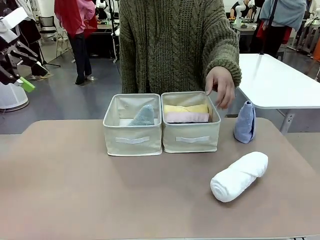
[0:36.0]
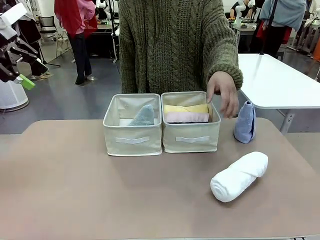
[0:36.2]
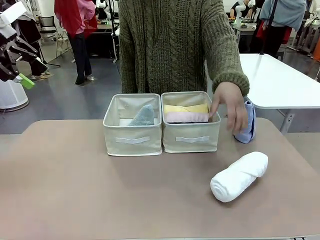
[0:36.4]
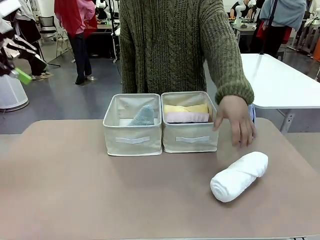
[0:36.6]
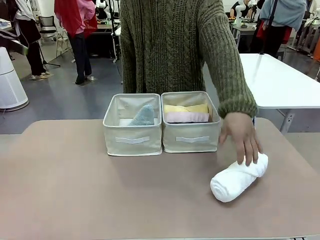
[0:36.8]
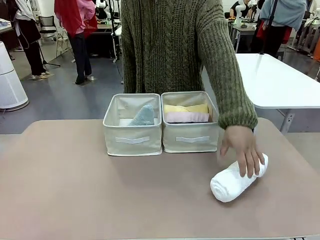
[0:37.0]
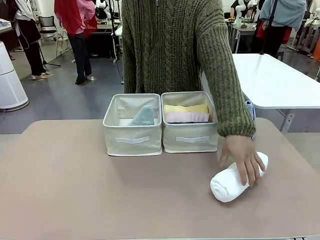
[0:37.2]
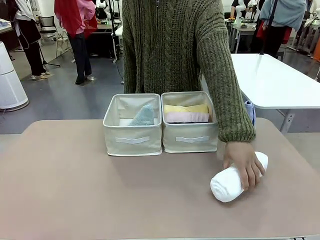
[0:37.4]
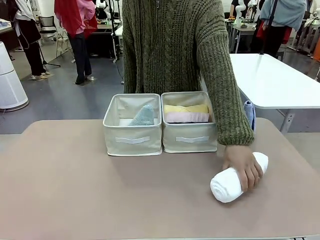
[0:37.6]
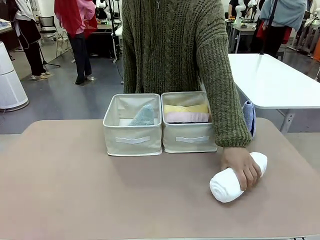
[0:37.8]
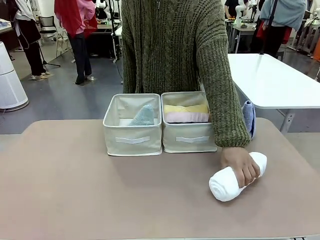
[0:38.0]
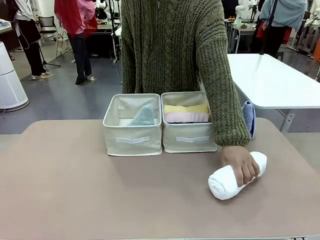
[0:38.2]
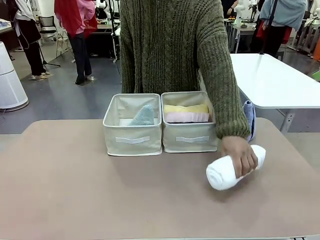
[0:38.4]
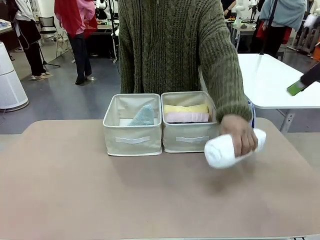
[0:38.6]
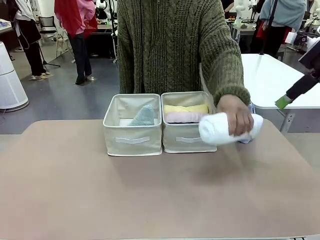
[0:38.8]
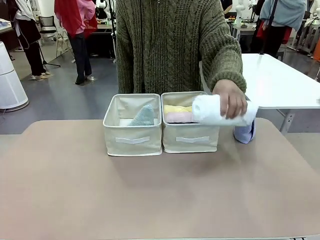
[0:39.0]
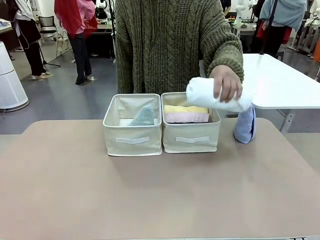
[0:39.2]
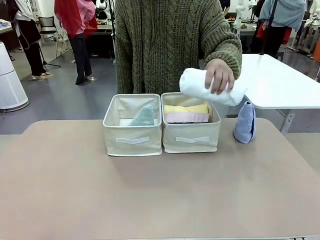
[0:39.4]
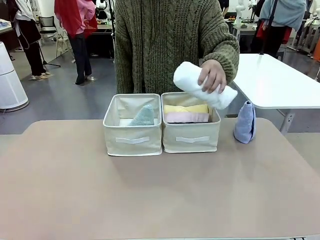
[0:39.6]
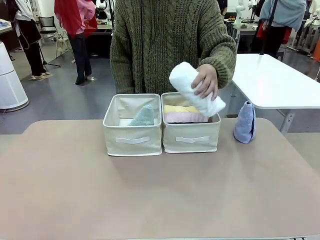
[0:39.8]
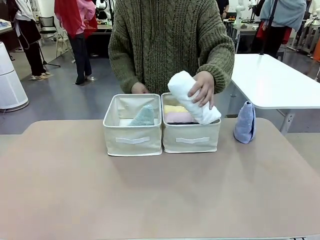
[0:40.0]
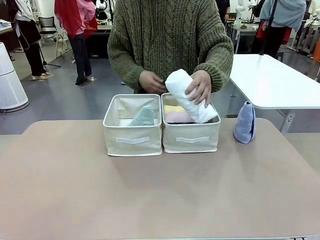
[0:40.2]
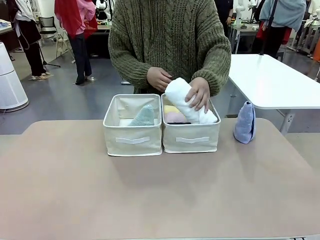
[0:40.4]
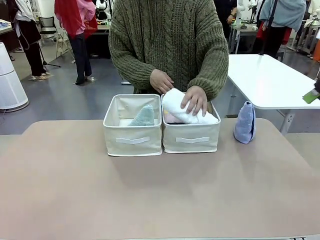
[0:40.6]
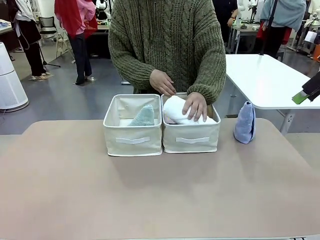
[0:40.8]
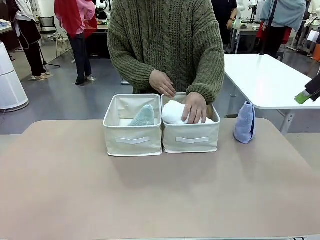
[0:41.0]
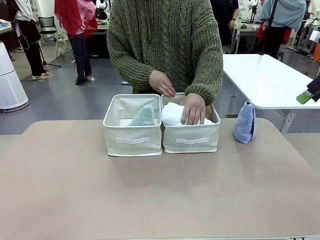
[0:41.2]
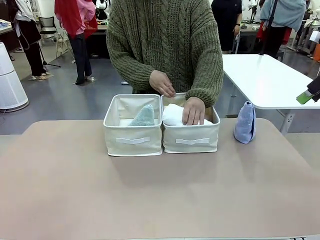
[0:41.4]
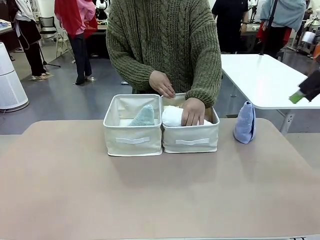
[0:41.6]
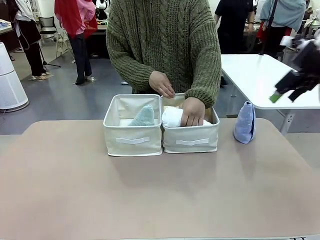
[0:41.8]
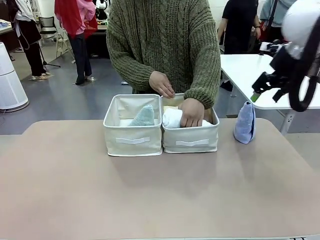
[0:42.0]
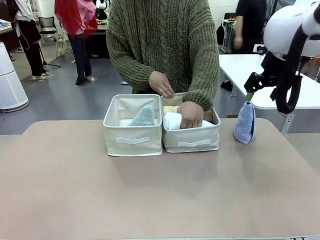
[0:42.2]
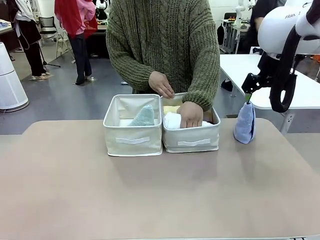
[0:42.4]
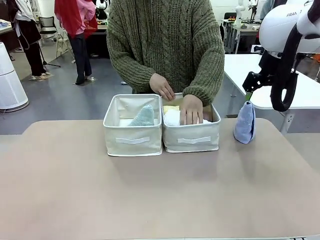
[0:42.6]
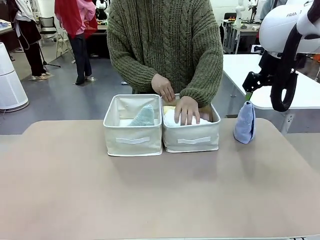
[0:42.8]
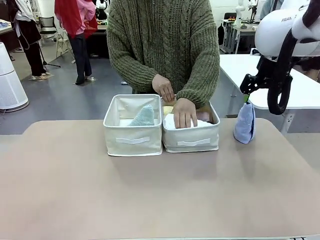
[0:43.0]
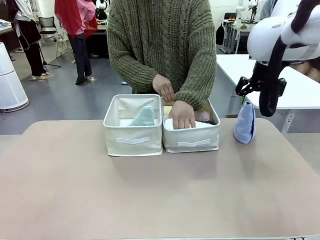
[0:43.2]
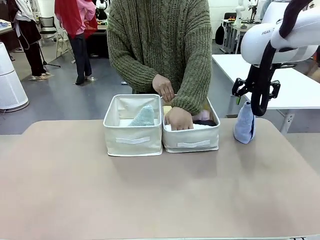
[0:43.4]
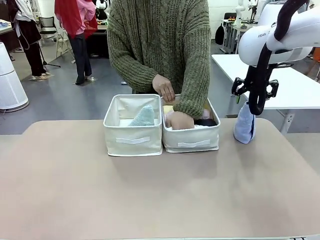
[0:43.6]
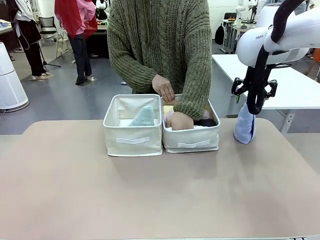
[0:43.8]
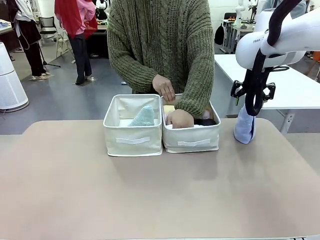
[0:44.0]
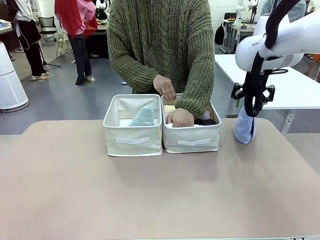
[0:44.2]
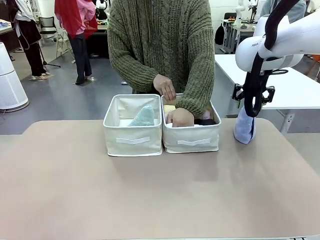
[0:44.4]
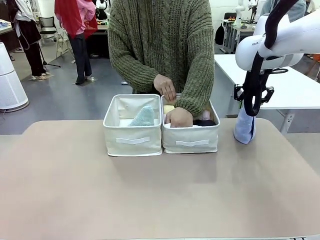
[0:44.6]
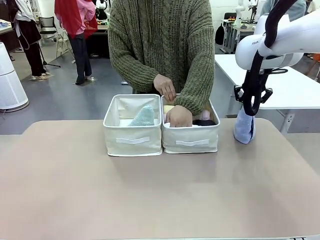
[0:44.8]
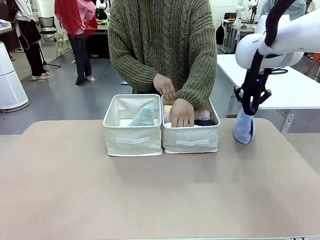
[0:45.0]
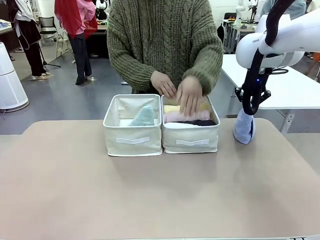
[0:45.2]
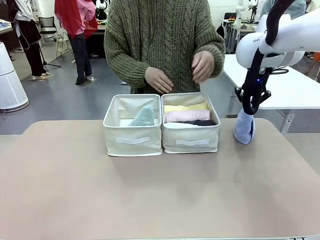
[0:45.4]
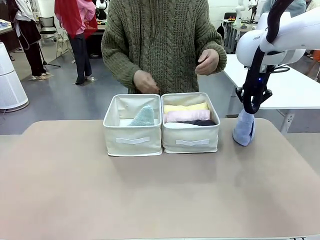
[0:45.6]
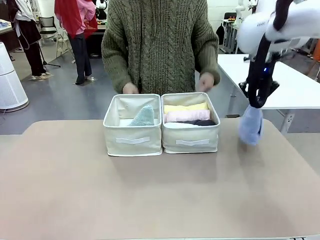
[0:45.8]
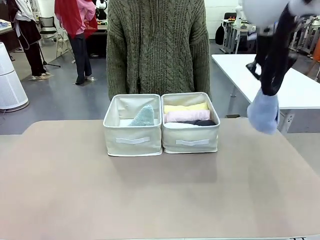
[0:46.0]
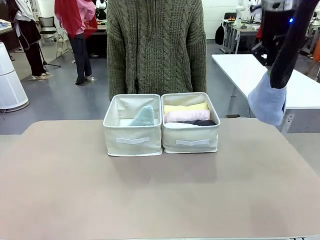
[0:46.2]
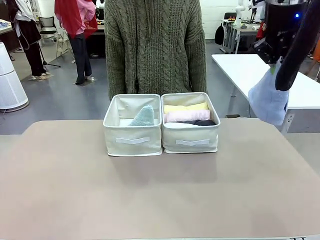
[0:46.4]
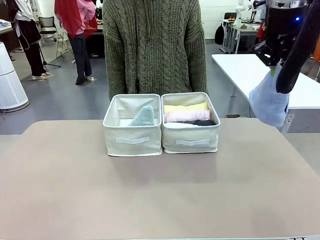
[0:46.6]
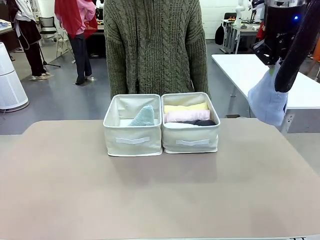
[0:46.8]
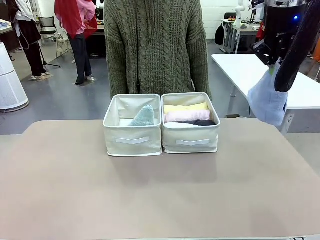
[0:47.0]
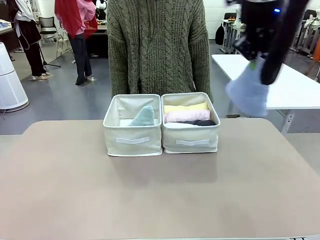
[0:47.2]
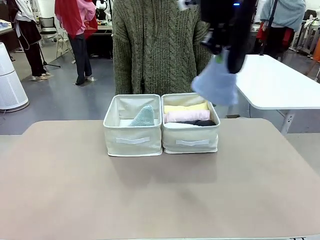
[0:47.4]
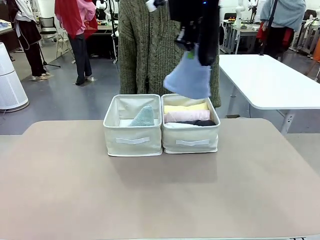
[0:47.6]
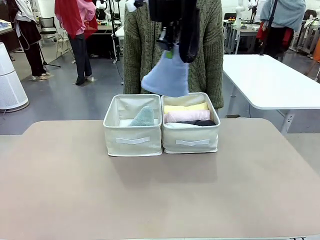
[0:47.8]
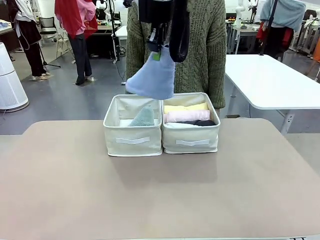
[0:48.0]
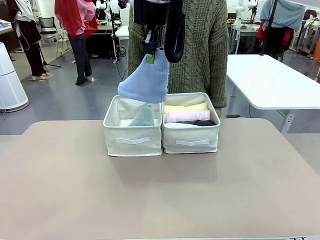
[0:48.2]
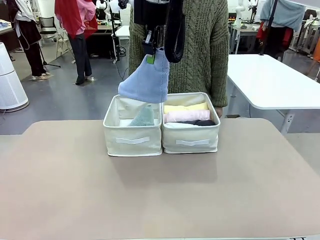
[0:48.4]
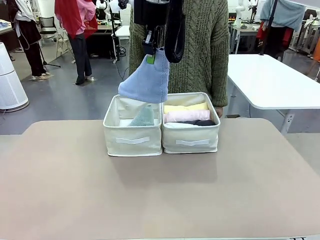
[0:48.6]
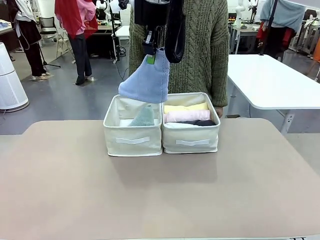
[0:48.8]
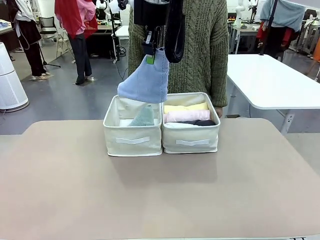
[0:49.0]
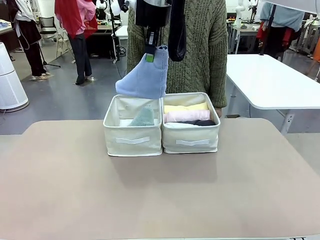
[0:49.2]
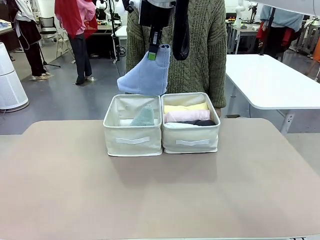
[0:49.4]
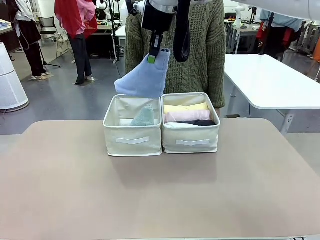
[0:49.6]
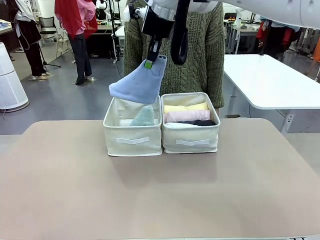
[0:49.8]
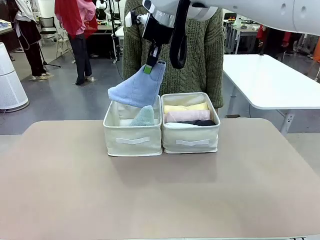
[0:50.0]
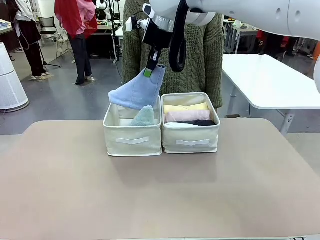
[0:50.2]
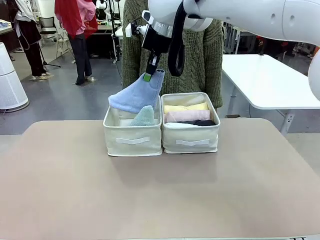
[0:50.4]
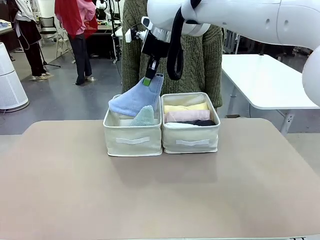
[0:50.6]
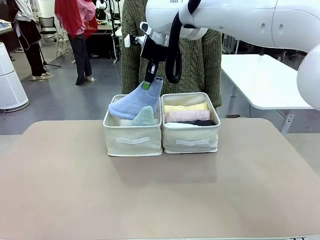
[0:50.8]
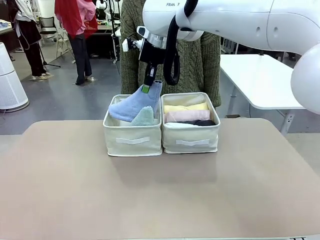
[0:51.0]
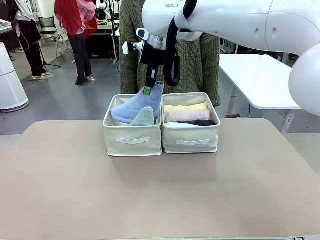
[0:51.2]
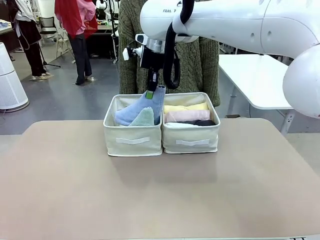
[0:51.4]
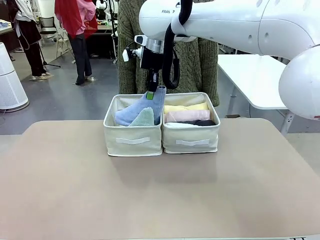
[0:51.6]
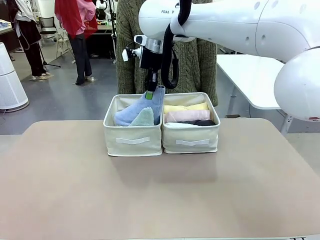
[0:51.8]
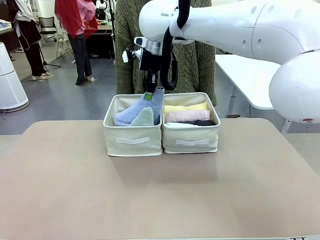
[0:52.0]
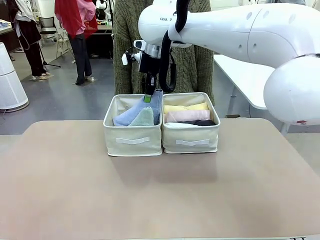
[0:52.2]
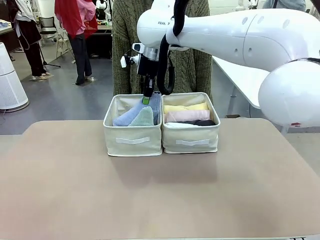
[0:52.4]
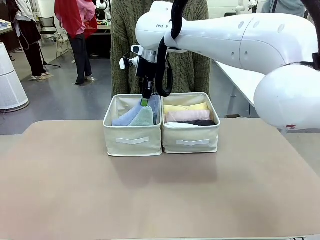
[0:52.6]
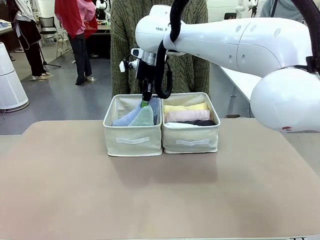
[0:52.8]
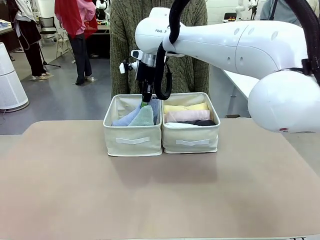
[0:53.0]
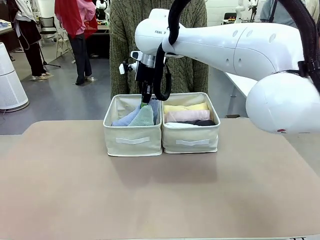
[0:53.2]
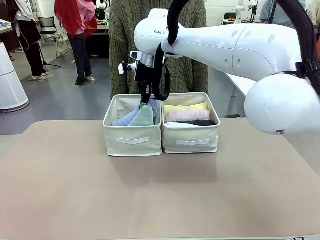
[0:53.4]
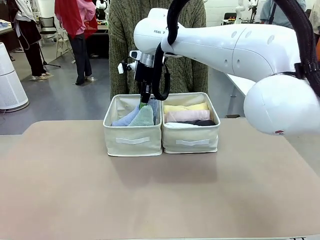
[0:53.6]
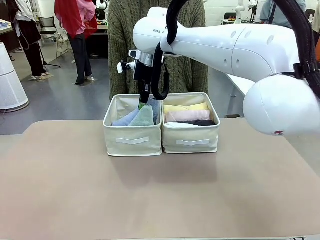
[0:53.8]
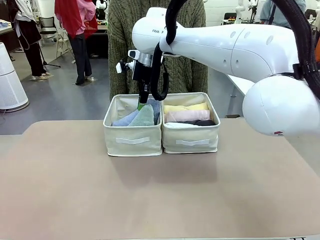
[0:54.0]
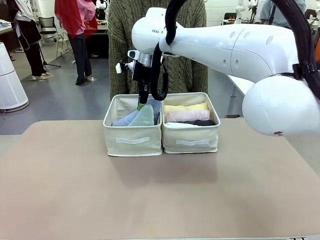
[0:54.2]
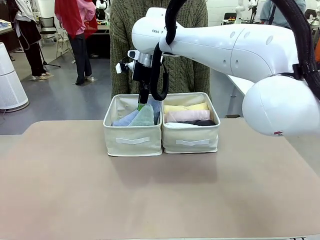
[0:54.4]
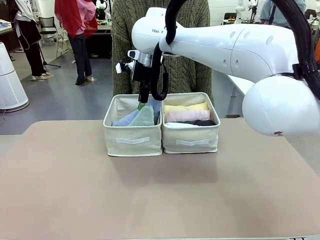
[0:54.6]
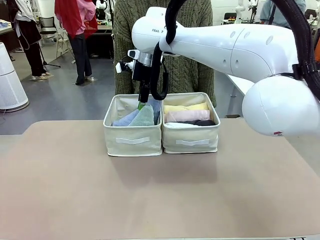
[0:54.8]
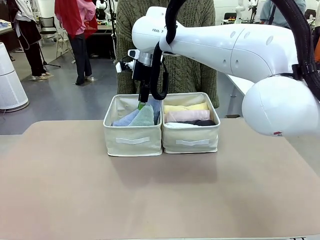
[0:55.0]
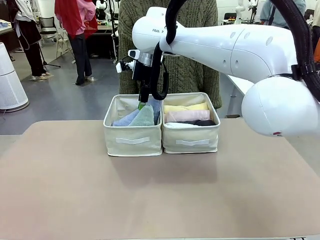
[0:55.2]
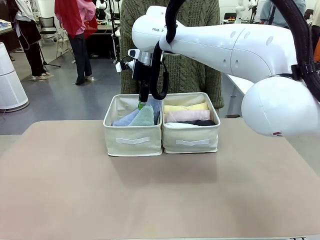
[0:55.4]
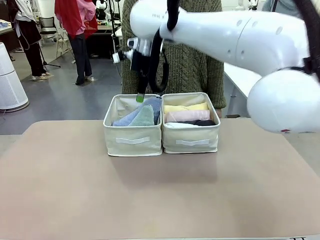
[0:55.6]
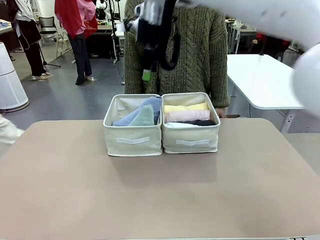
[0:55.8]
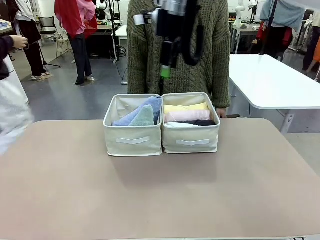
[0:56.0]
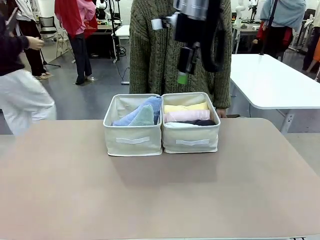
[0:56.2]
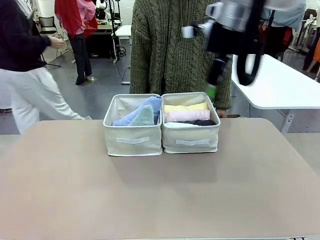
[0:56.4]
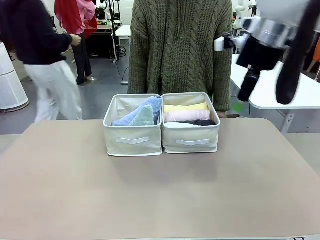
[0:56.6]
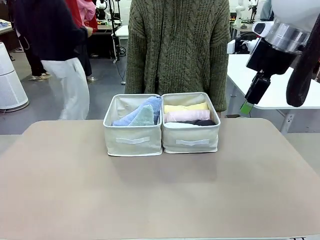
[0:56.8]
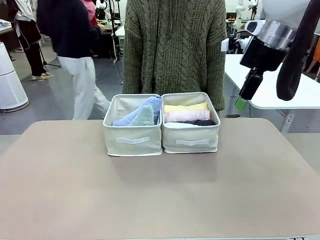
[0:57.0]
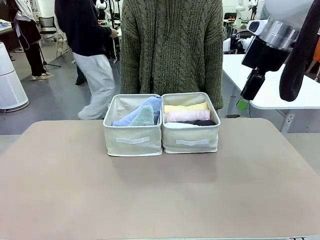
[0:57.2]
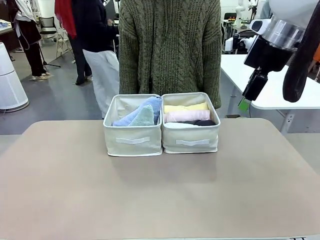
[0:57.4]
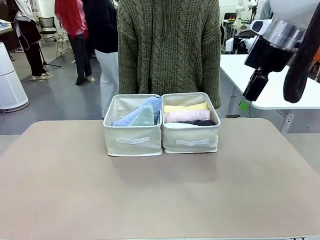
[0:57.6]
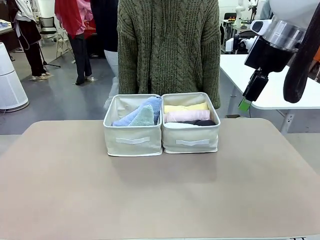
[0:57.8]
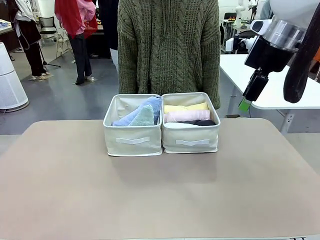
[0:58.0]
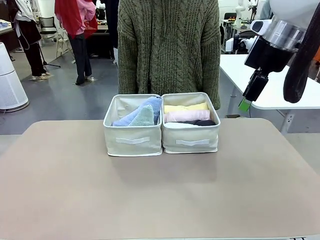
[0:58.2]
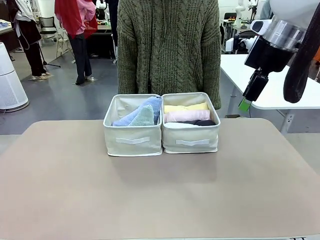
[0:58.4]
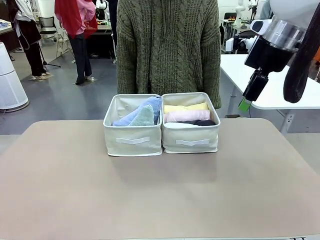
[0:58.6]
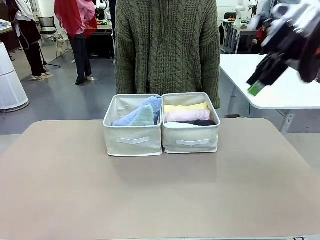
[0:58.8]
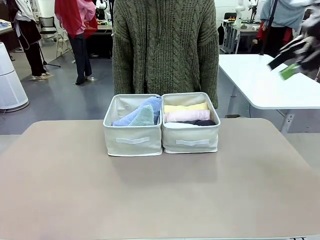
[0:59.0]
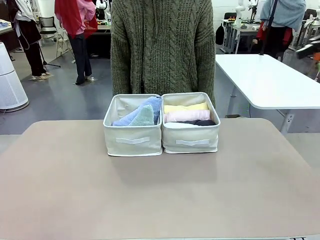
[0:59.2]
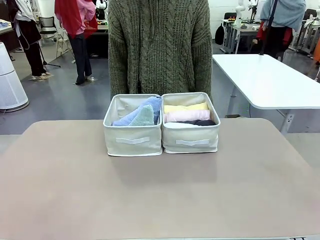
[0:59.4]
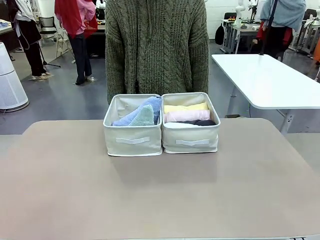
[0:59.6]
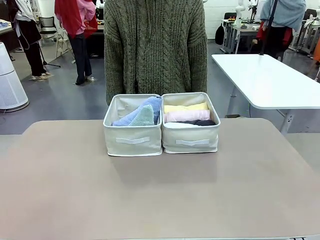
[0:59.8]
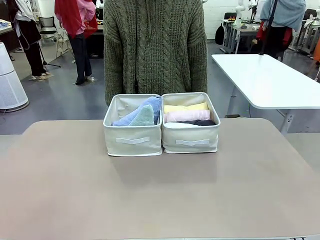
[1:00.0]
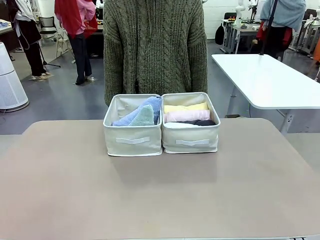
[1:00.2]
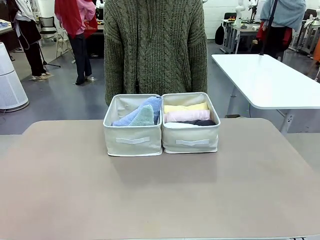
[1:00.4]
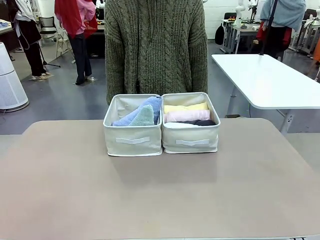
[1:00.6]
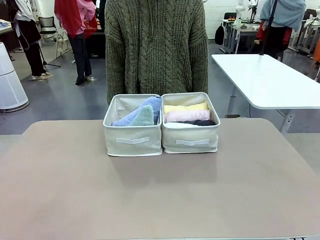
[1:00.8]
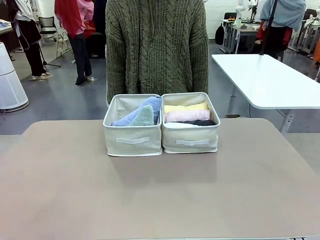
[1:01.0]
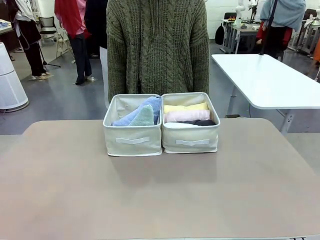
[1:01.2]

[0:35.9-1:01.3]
Task: Sort the towels based on their folding style.
Robot: Pick up another triangle-folded towel from the table and place it in the left Fabric basket.
Person: Pick up one hotel-style rolled towel from the table and place it in the left fabric basket.
